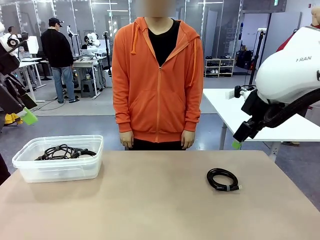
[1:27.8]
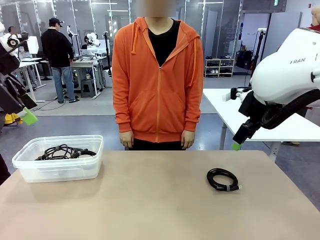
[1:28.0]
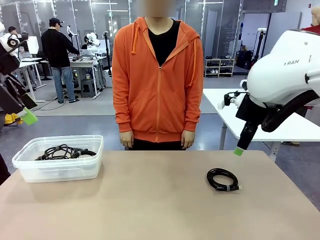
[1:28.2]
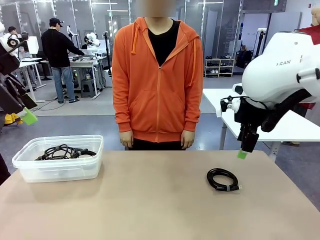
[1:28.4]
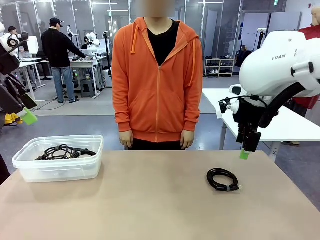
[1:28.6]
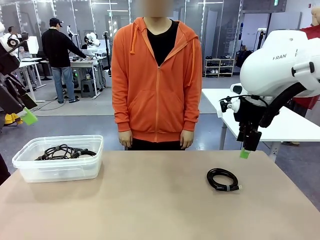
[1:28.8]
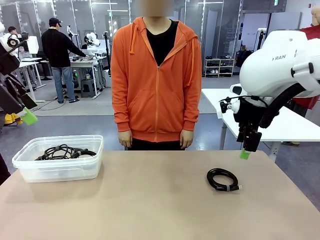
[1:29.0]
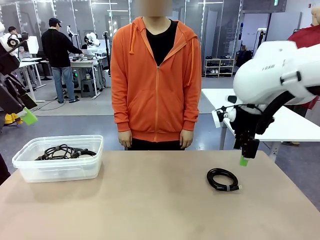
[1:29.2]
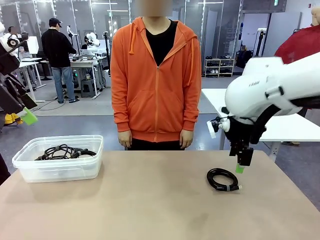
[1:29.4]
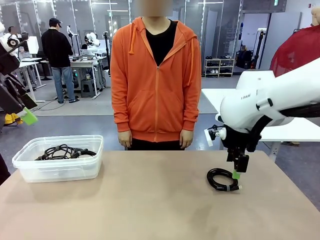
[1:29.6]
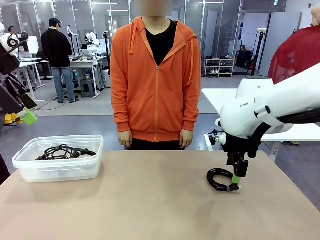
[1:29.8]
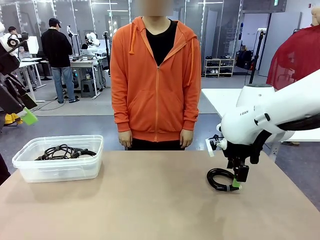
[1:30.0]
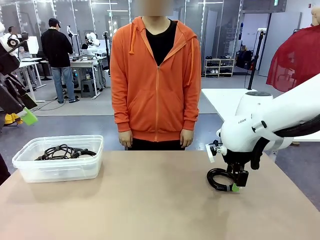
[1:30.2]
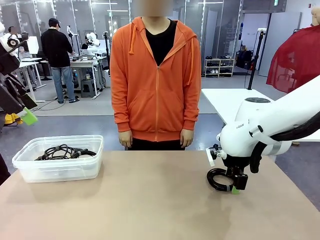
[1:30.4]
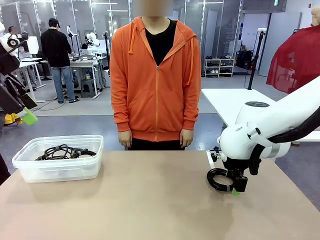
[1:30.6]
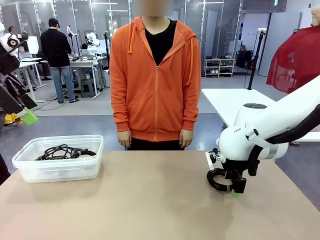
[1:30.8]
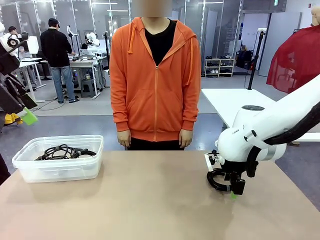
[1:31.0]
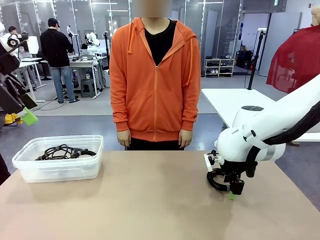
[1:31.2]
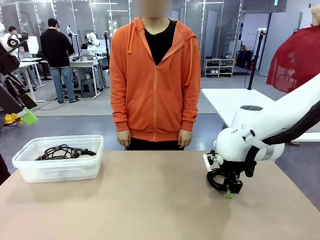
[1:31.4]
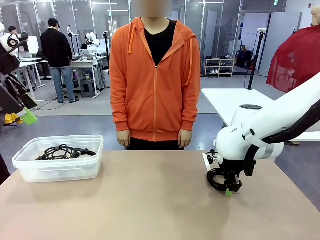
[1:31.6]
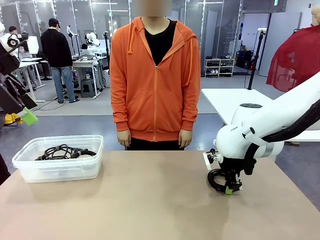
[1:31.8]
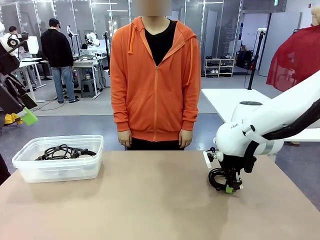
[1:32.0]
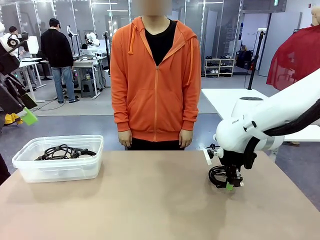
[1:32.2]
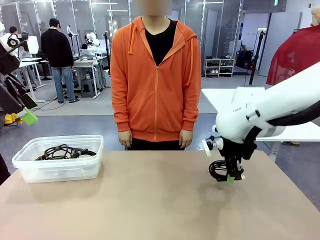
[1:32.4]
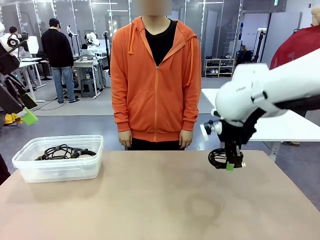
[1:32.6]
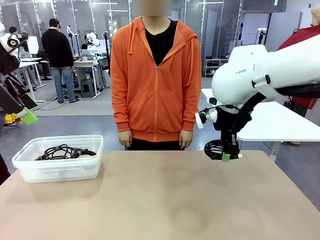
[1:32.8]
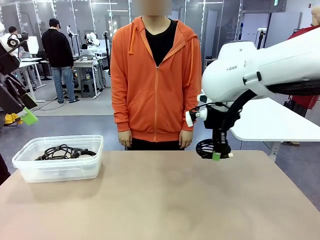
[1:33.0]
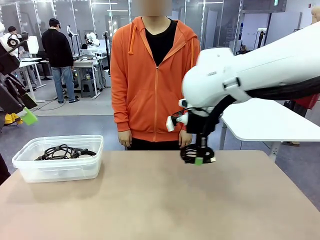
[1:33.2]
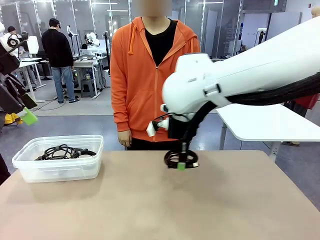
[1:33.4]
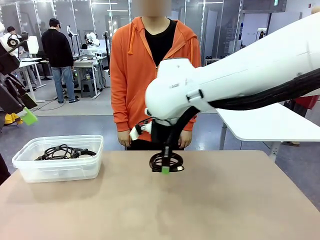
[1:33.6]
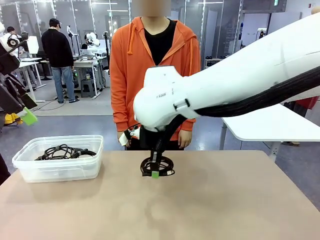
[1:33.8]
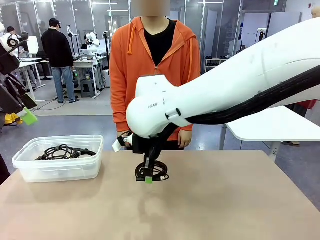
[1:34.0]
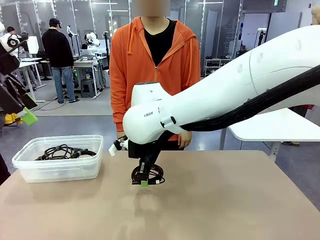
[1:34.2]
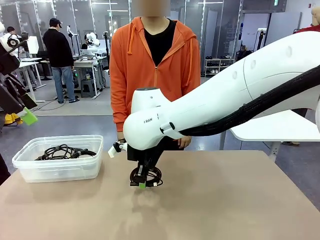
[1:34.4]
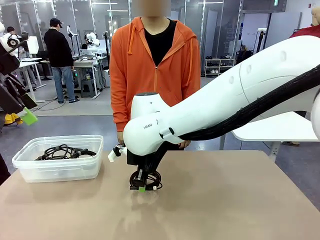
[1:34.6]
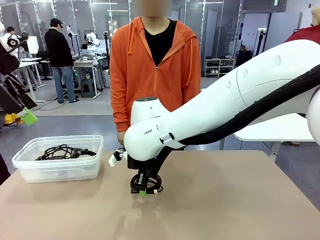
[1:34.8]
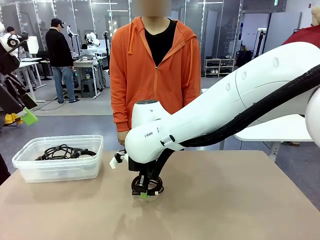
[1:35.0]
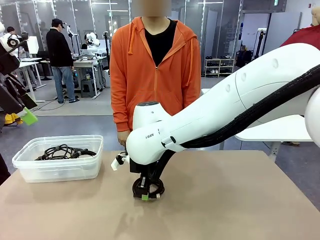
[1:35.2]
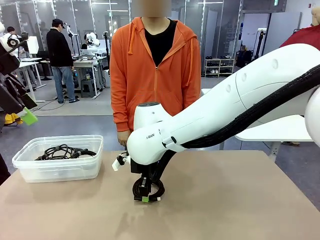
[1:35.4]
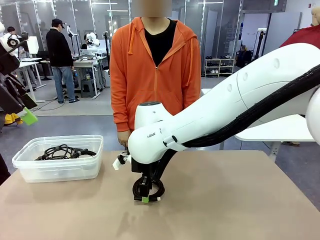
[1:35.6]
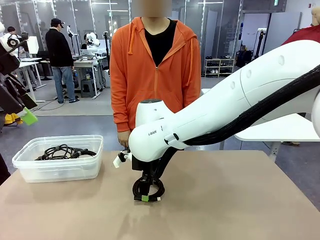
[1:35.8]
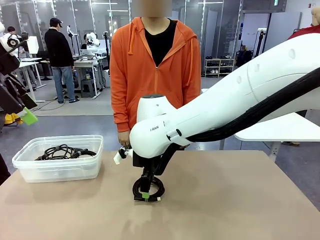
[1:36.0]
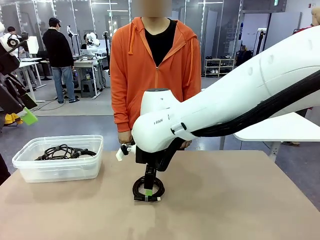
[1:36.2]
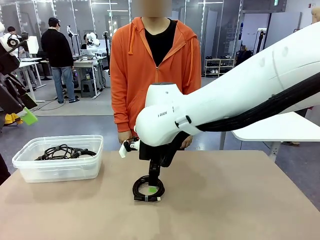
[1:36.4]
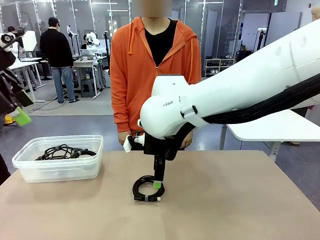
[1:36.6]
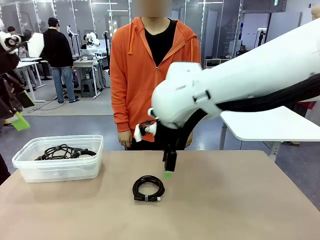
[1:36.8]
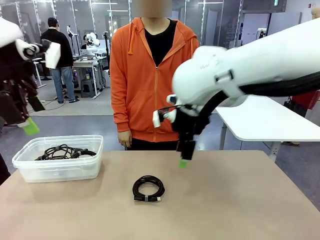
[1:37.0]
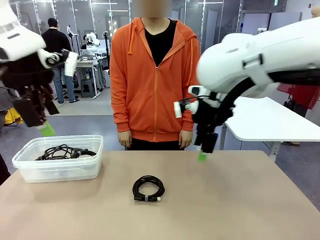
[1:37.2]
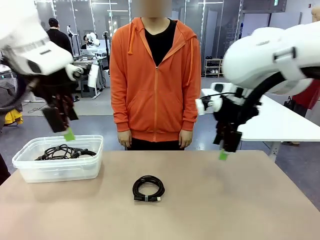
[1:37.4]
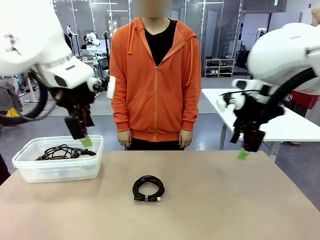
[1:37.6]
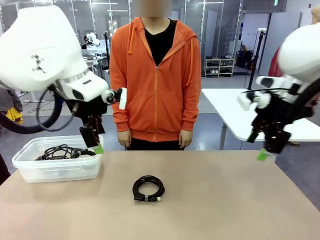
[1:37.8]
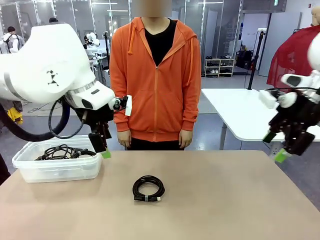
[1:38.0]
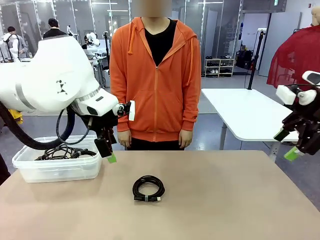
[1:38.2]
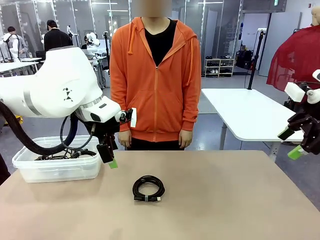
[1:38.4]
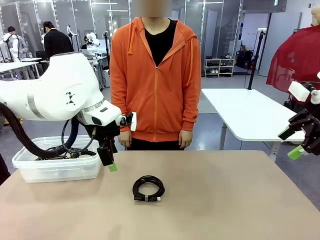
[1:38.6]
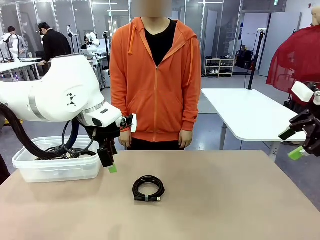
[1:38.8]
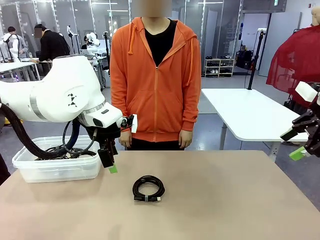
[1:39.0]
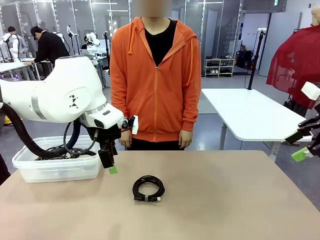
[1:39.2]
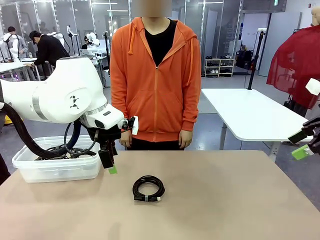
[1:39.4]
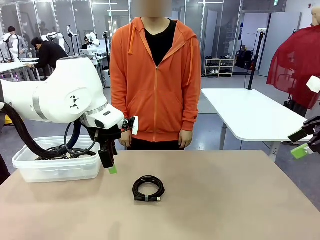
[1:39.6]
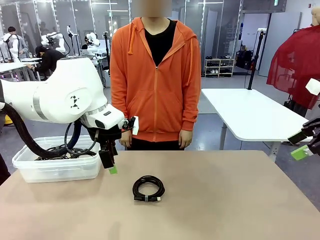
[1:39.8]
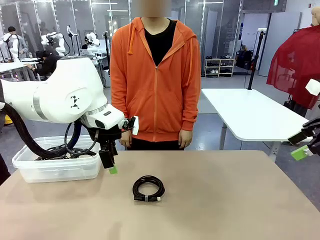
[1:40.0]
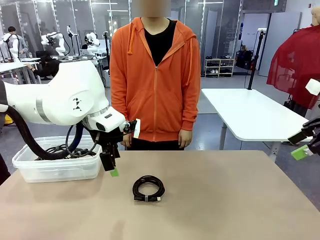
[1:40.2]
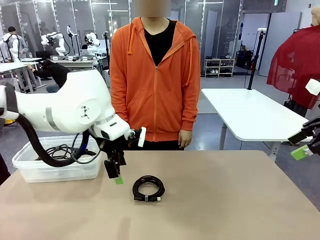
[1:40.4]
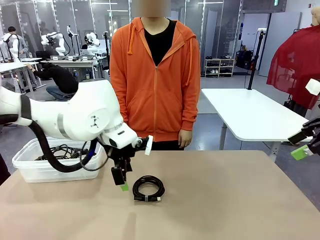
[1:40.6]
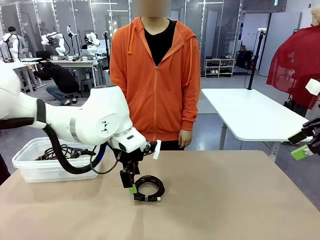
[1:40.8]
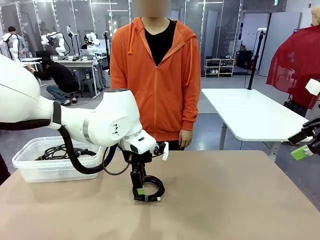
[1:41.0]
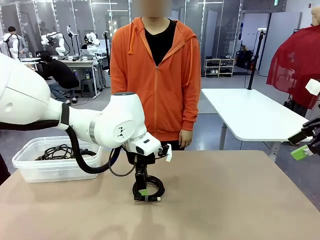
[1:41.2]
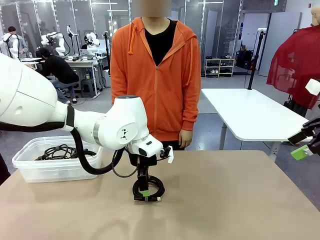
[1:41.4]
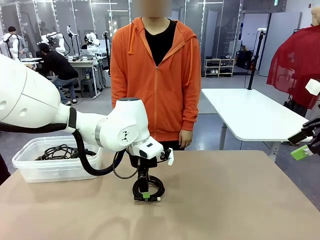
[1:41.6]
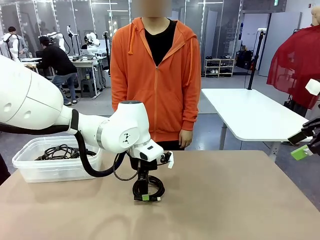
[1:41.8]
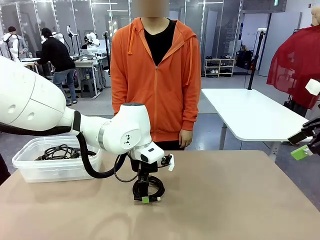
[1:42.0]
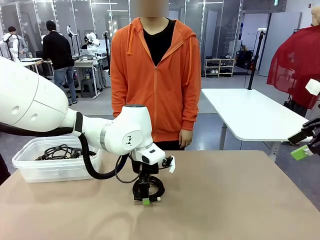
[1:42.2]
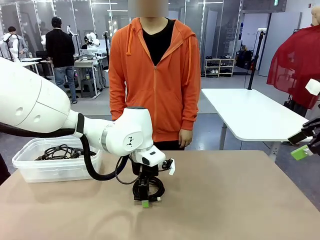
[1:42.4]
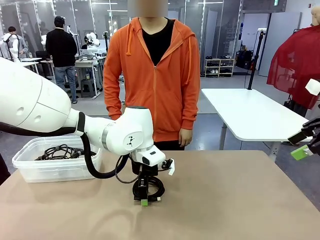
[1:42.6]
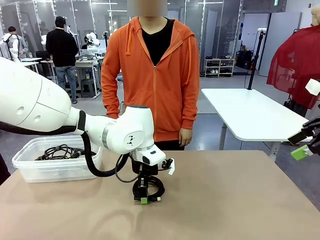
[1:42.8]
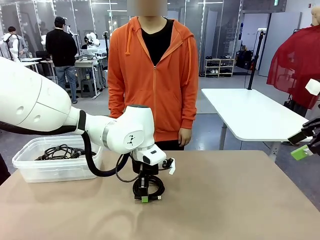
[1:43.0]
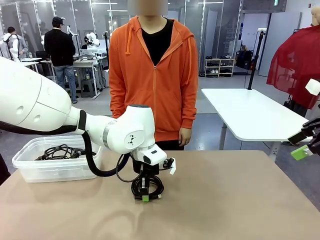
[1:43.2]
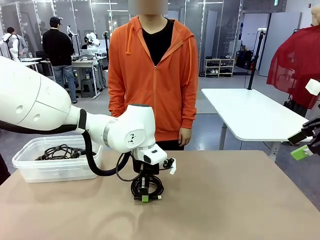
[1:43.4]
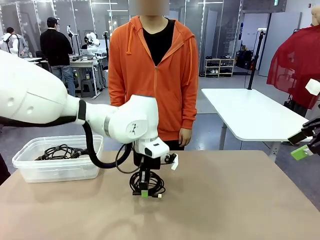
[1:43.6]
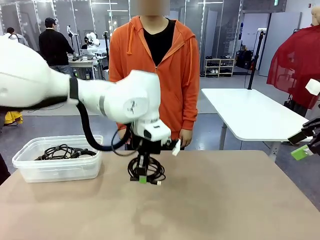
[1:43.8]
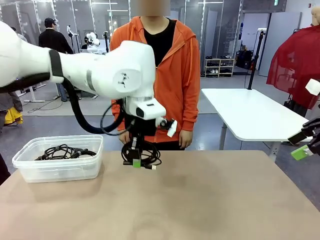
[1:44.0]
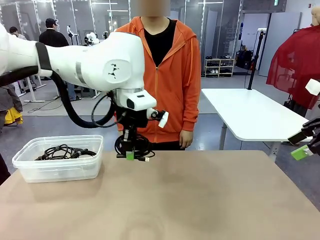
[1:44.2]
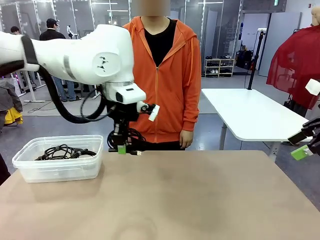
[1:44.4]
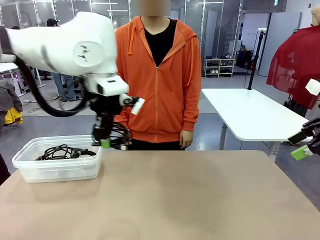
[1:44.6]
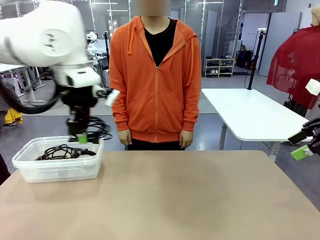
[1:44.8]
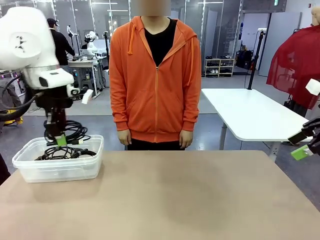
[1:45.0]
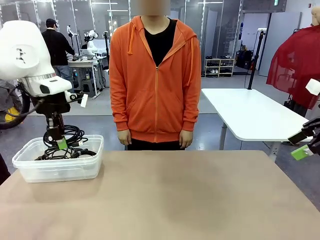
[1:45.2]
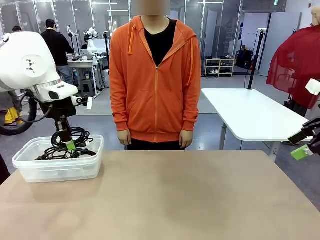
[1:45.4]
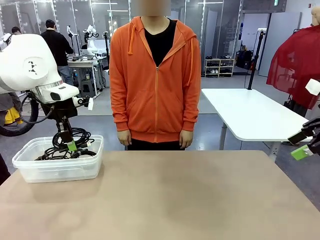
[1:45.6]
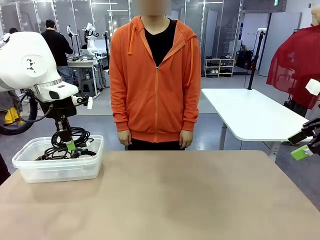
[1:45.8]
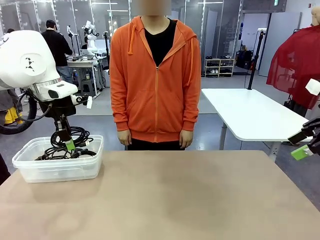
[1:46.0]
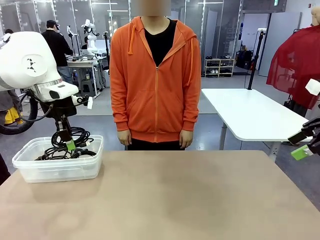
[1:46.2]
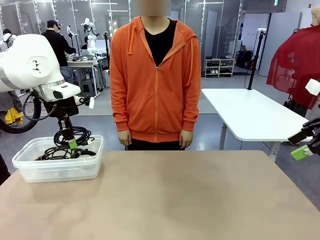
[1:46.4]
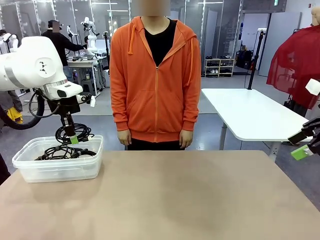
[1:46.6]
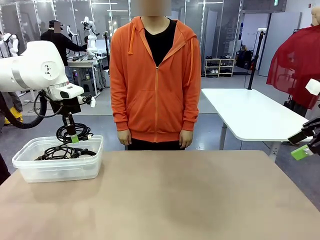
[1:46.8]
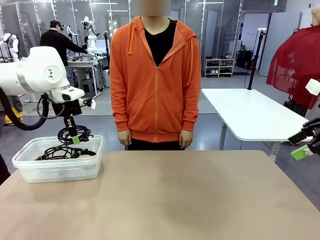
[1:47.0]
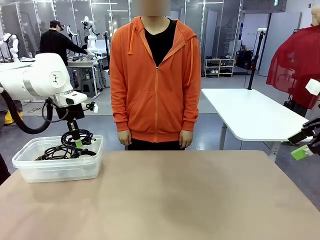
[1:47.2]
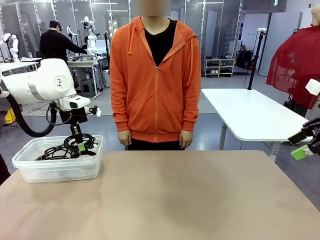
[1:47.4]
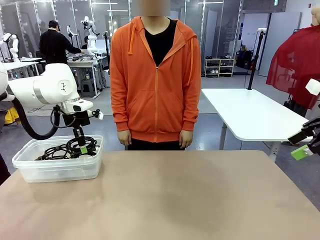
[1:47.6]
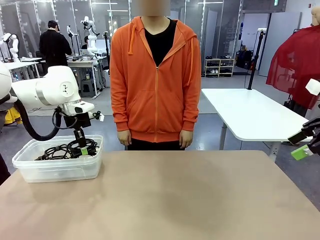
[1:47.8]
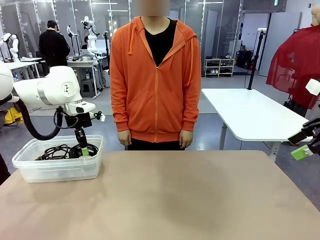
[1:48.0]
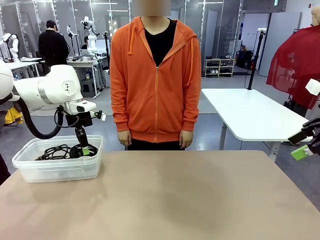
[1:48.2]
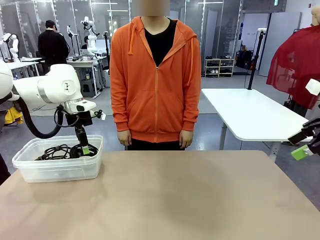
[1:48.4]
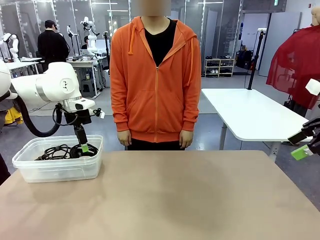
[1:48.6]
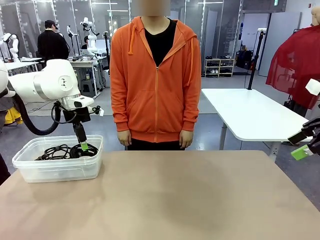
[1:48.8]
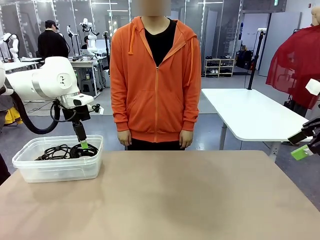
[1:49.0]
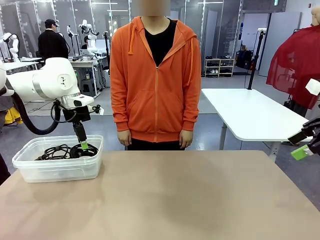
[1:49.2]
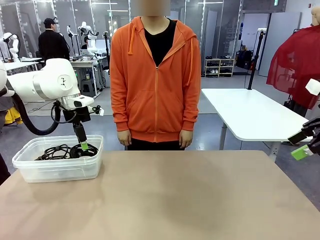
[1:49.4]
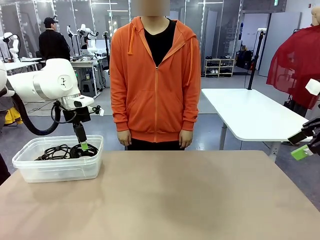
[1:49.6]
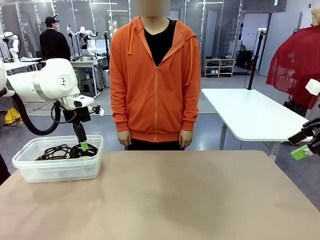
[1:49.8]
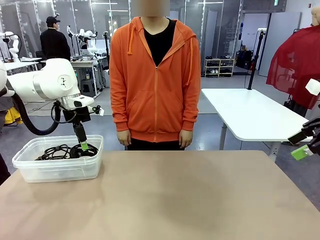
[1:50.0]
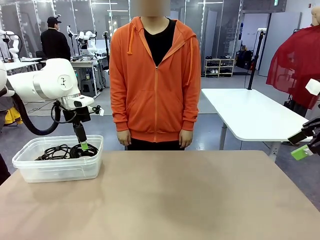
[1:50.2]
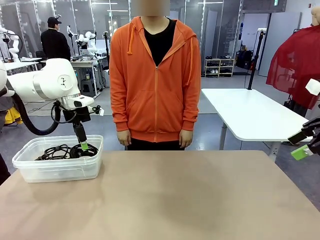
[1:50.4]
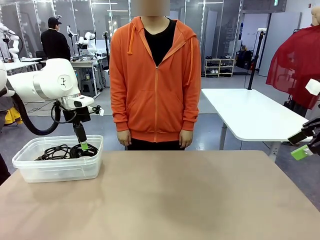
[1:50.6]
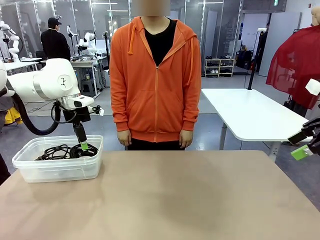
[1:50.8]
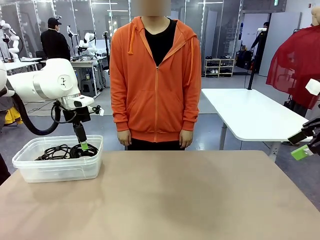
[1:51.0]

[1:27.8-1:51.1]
Task: Organize and store the cables.
Robot: Place the USB Extension Cable into the Organizing box.
